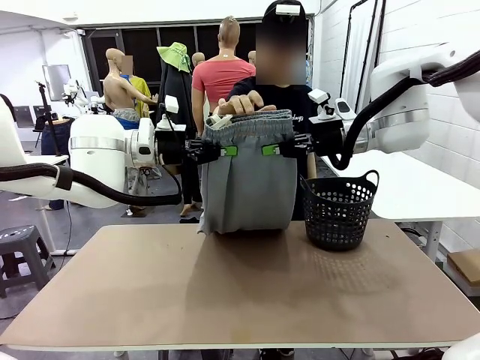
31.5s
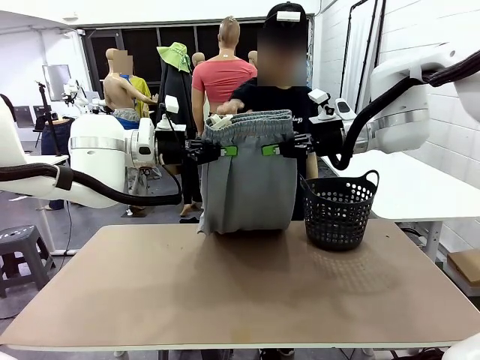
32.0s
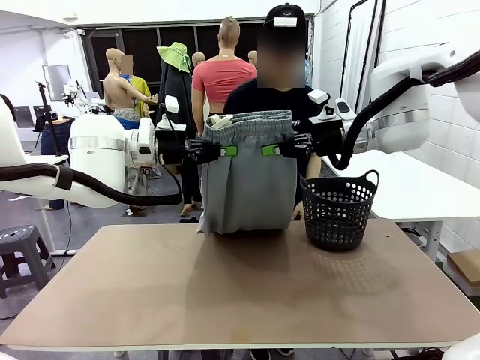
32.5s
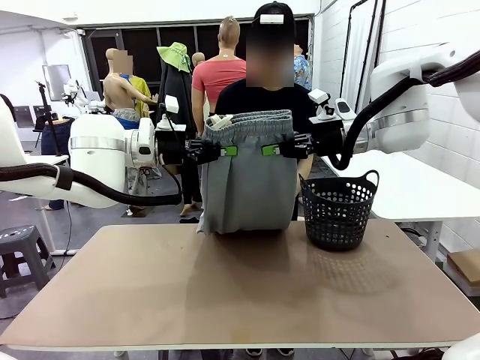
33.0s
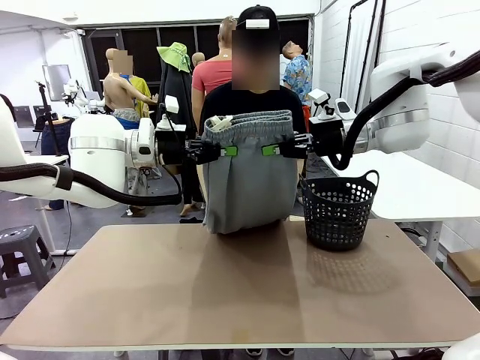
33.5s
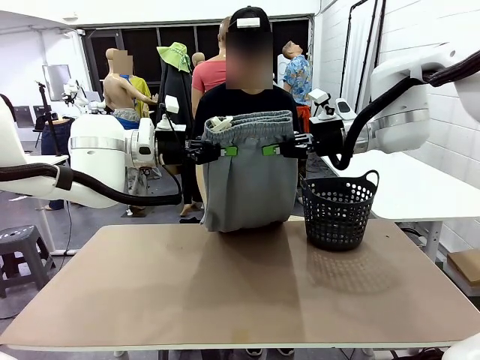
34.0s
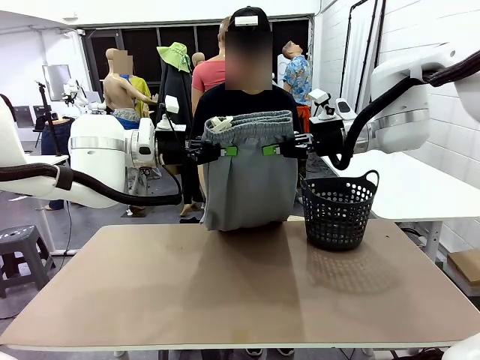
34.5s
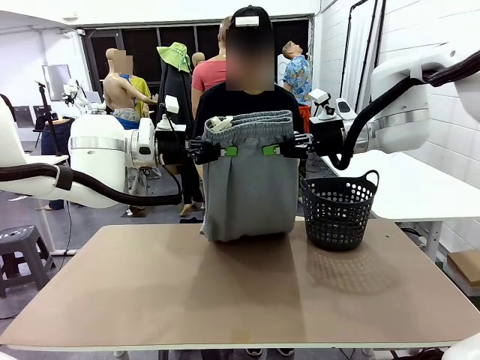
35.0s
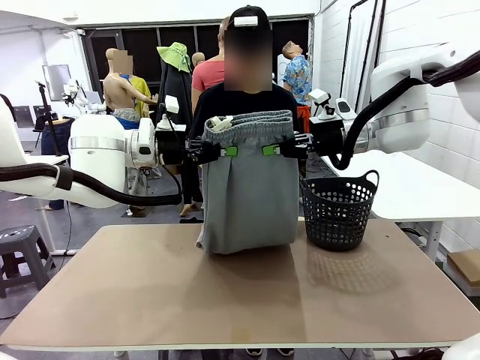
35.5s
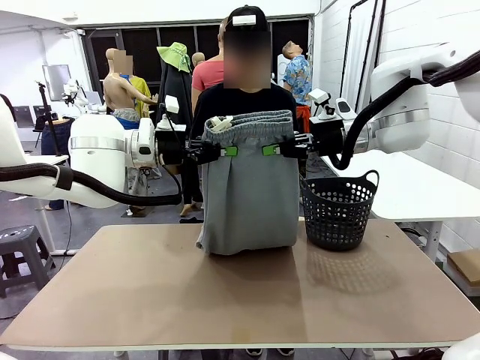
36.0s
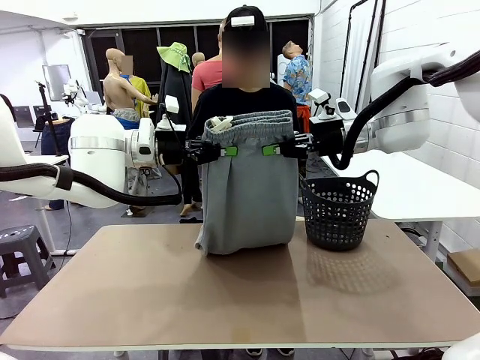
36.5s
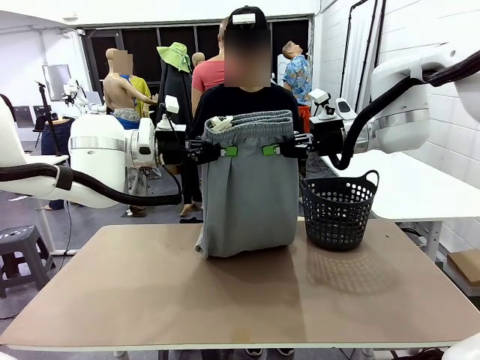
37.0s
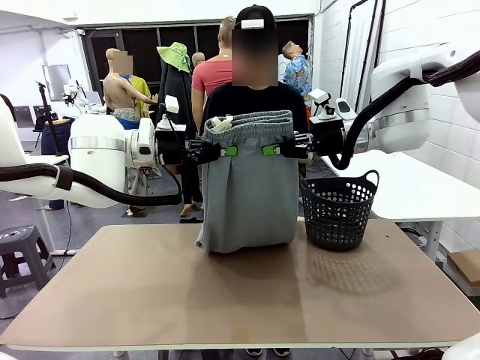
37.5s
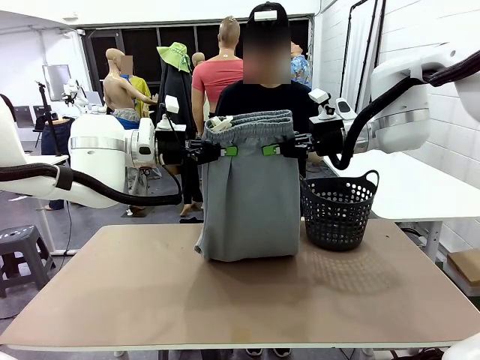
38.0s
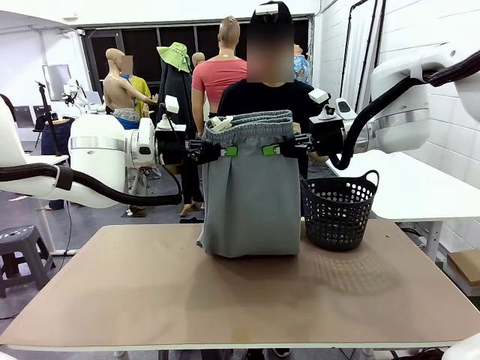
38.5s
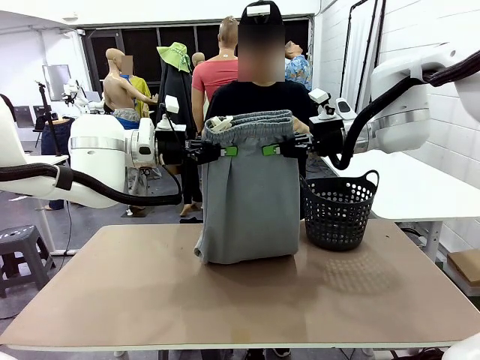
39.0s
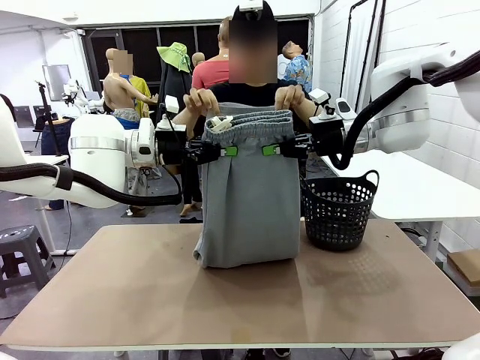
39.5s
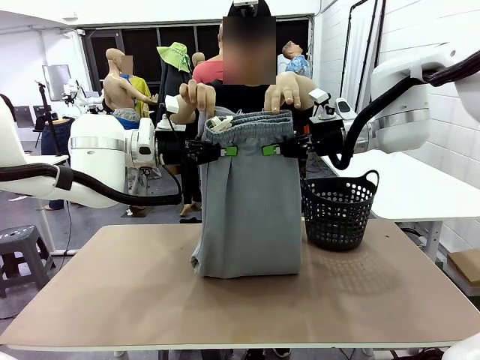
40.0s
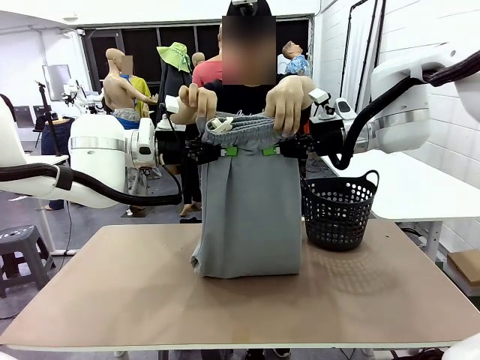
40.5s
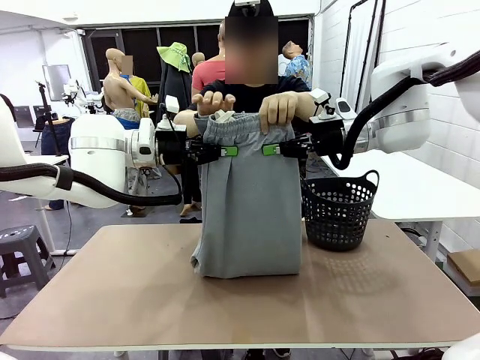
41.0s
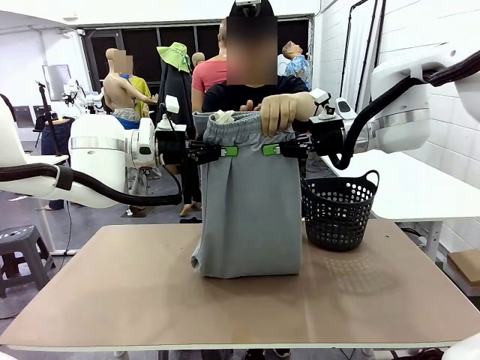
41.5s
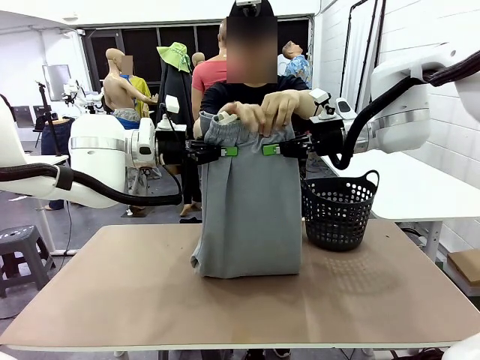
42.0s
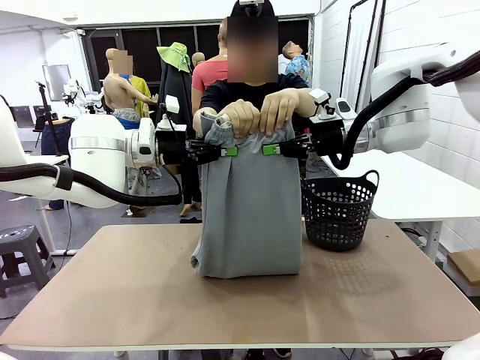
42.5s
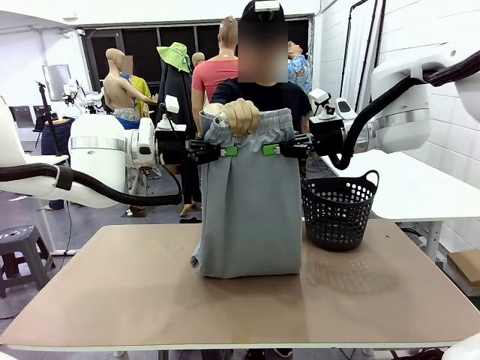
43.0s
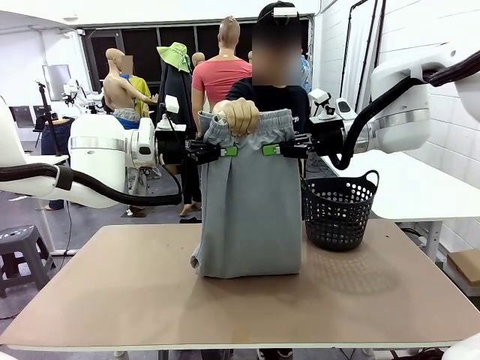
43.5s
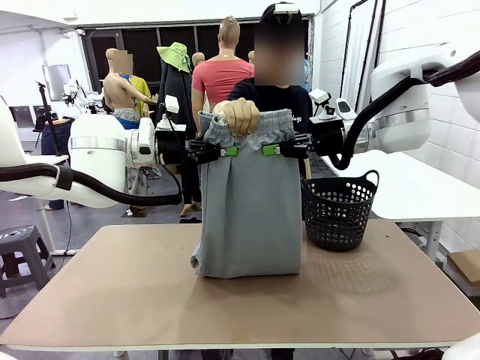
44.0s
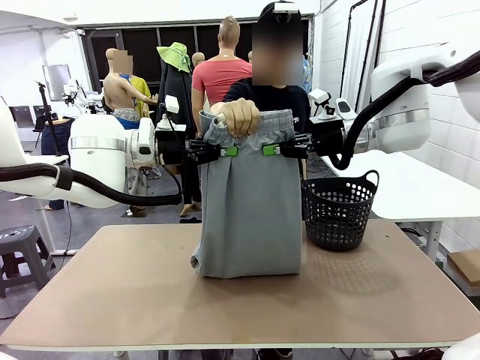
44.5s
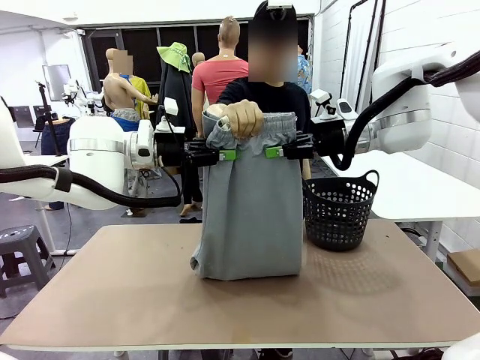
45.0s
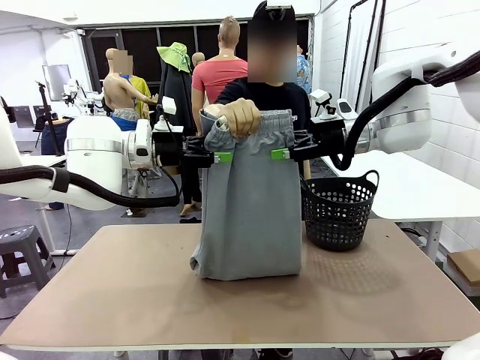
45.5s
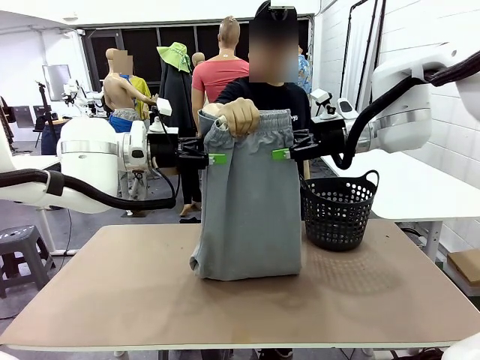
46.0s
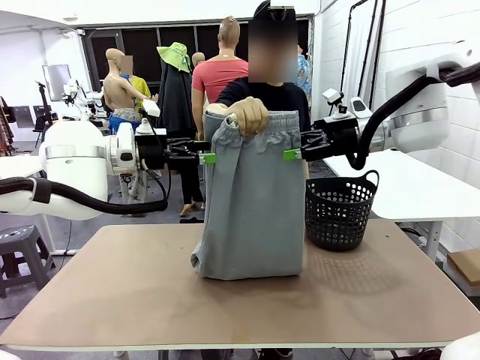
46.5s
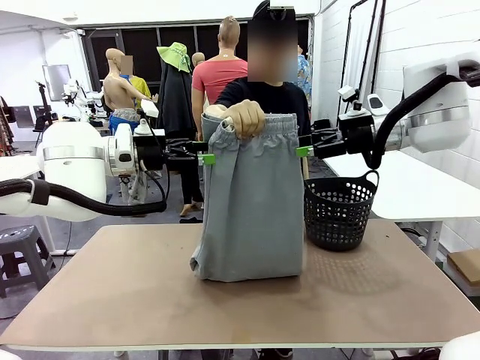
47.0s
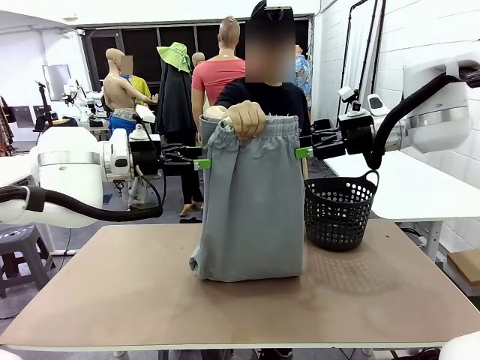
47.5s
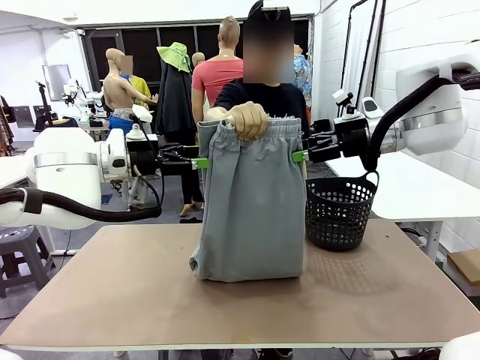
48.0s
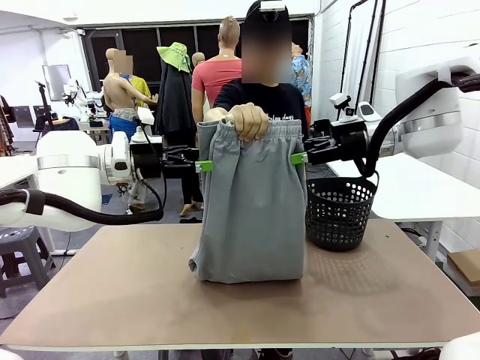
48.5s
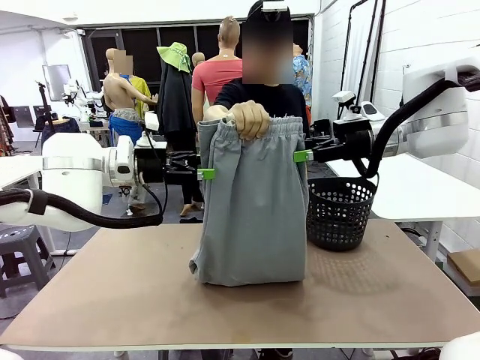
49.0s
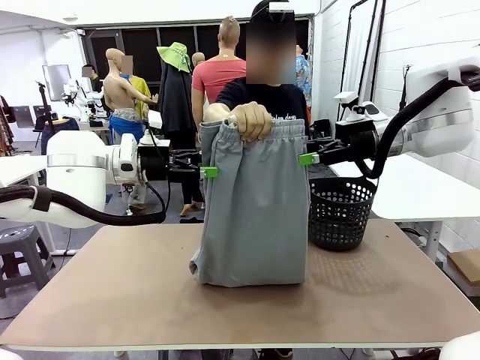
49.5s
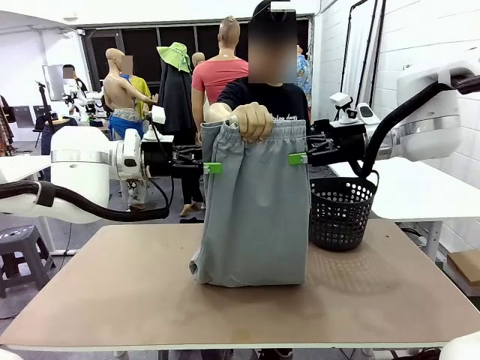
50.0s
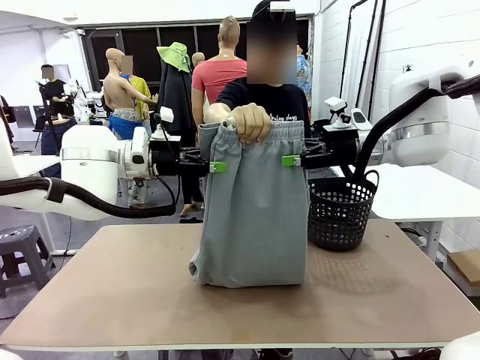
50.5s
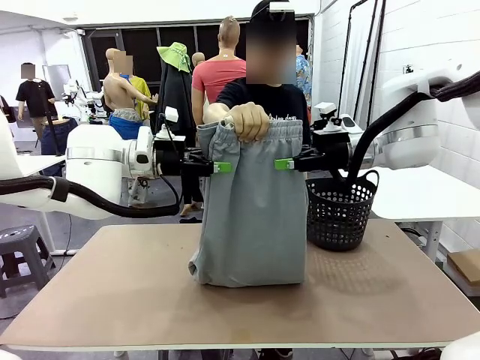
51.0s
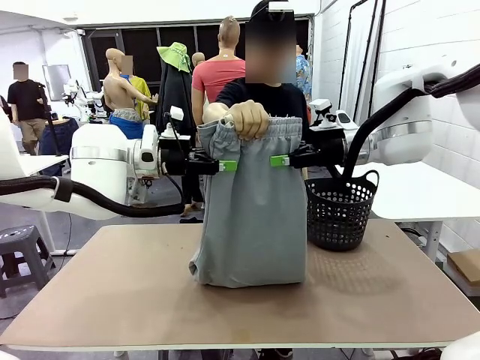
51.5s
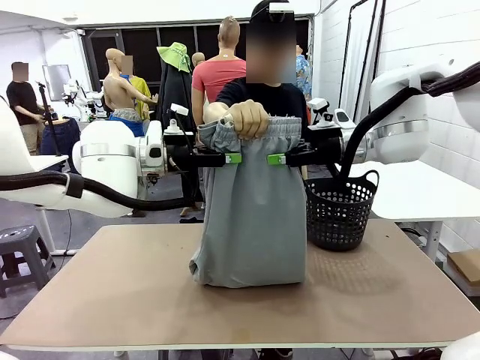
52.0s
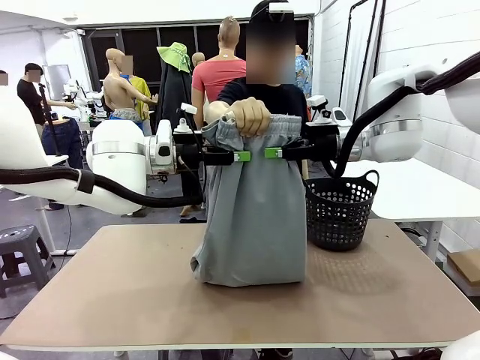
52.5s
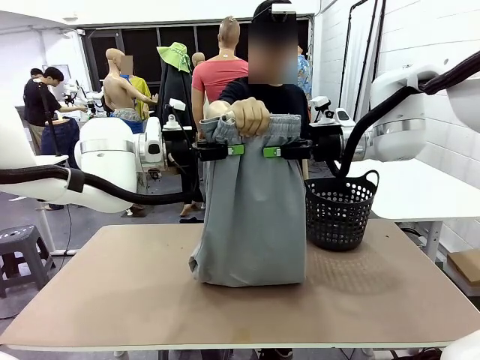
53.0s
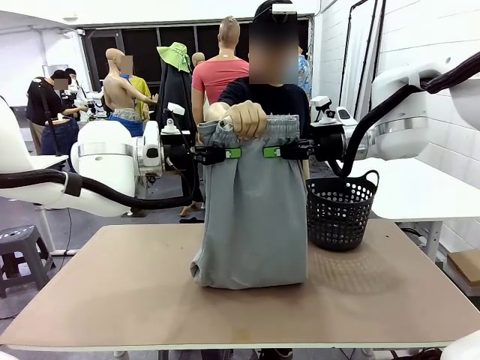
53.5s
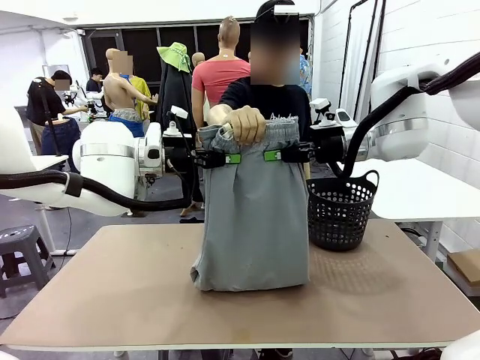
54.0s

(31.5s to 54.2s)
Task: Fold the training pants.
Robot: Release the ends of the Training pants and then grab the overlapped ends.
Person: Grasp the end opposite the point the robot is holding, fold the pants in half, and then grasp the overlapping top end of the folded pants. Release the pants you were holding.

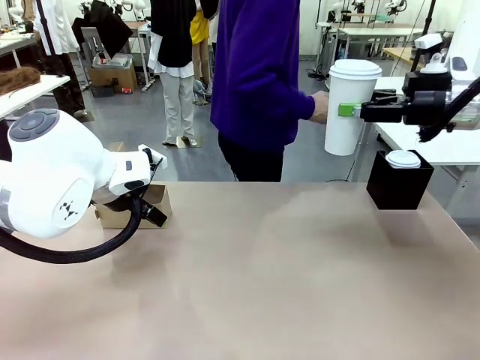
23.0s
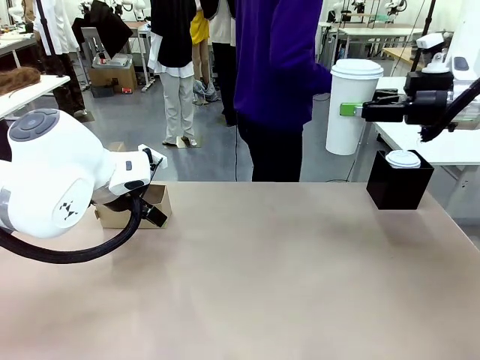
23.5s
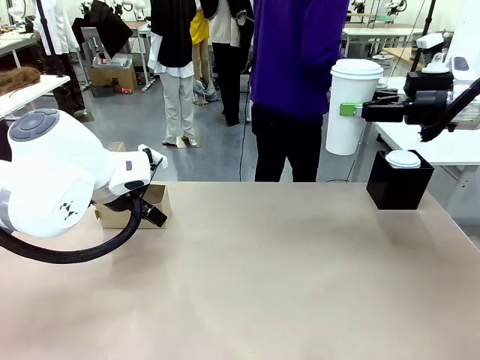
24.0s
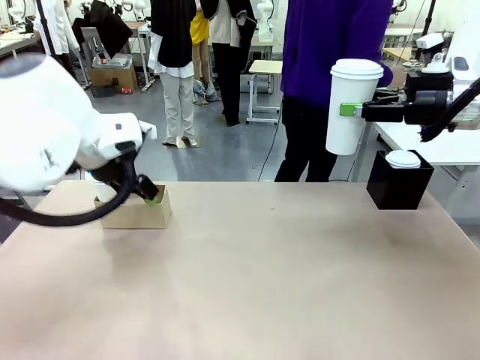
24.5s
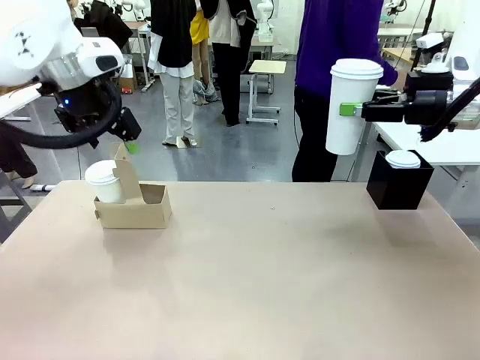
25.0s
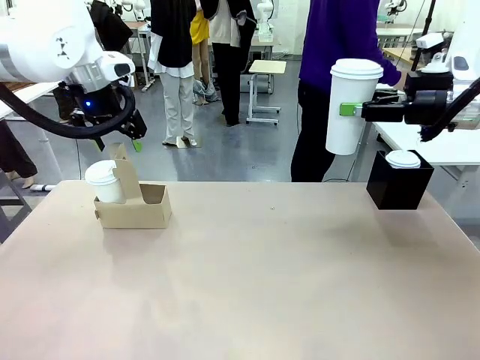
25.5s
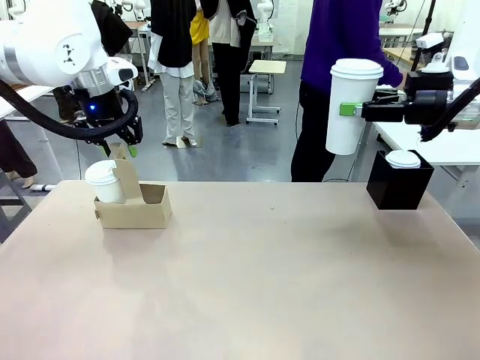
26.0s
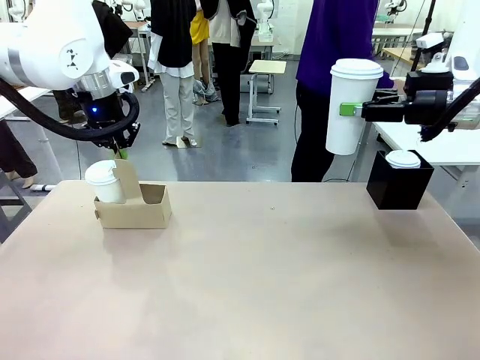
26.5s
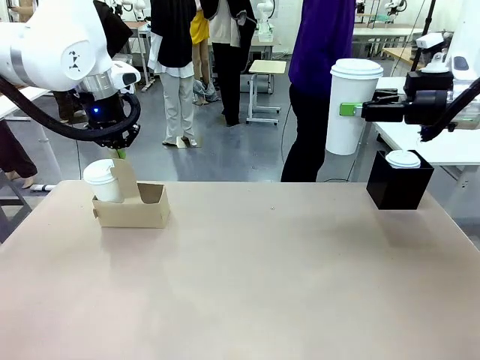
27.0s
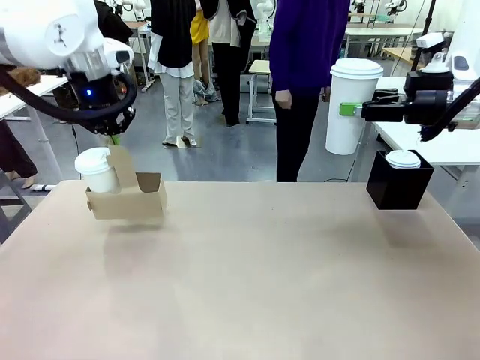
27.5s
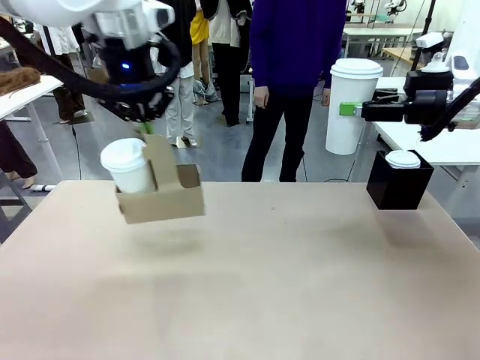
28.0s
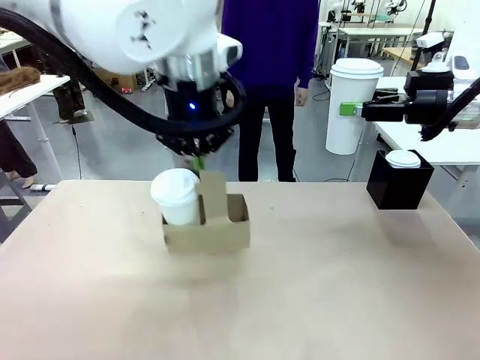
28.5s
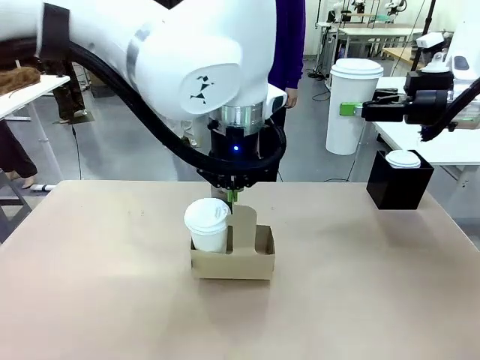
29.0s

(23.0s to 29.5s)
Task: Pour a drink into a cup and package it in a carrier.
Robot: Position the Cup Carrier in the center of the table.
Person: Pick up the Filter Brewing and place on the middle of Human table, and return to the Robot table.
